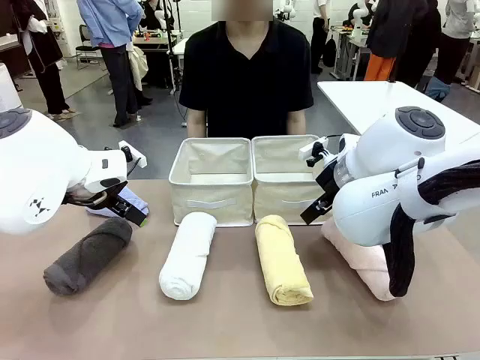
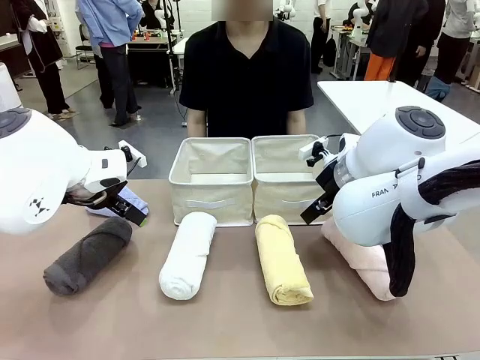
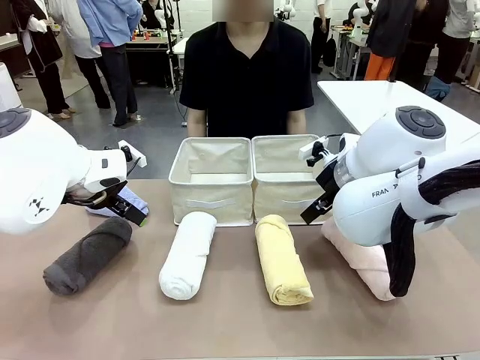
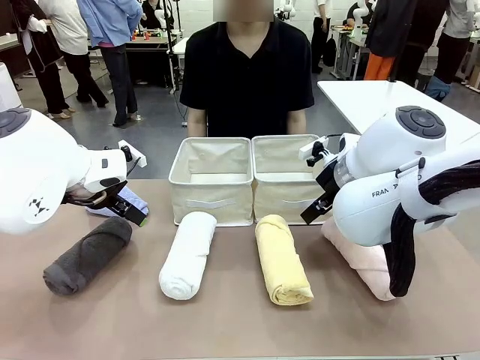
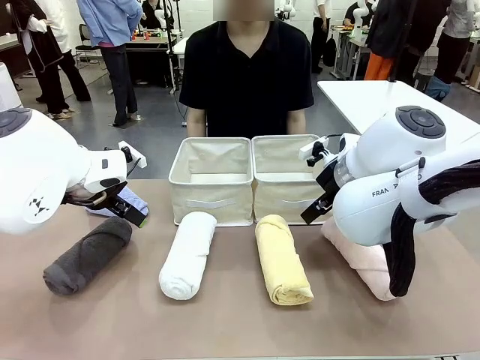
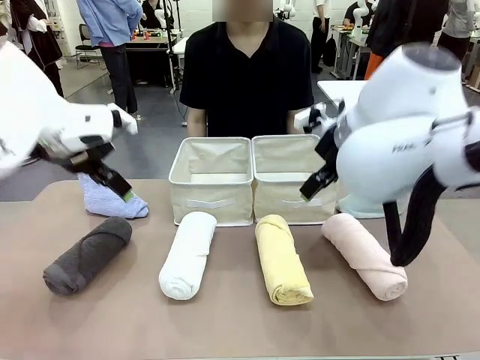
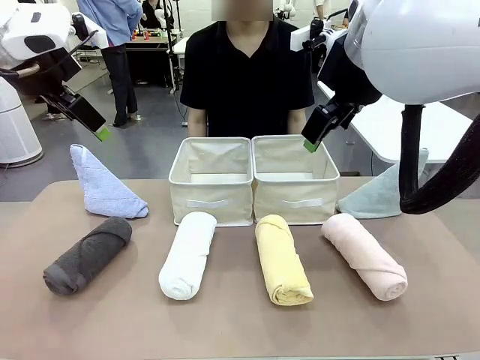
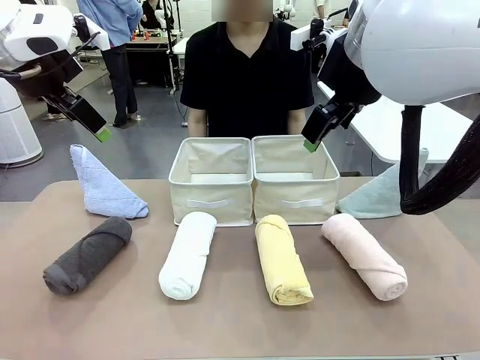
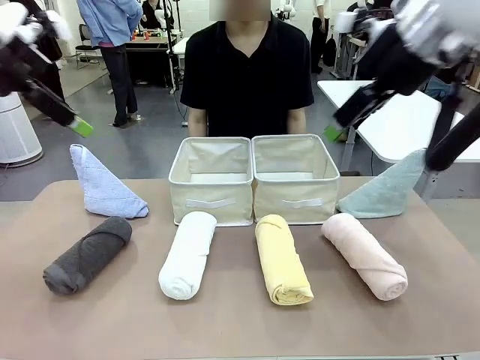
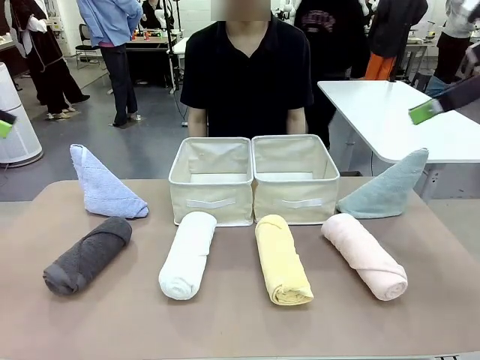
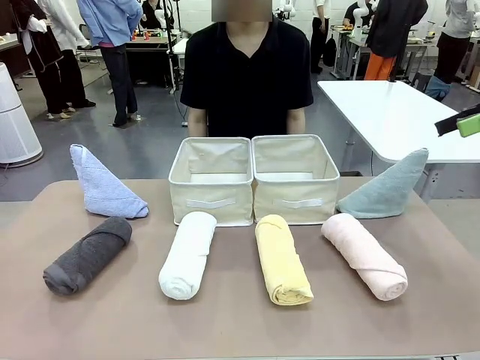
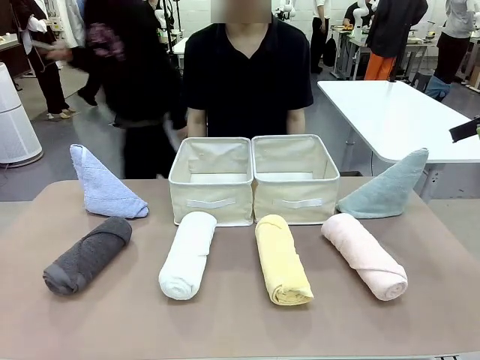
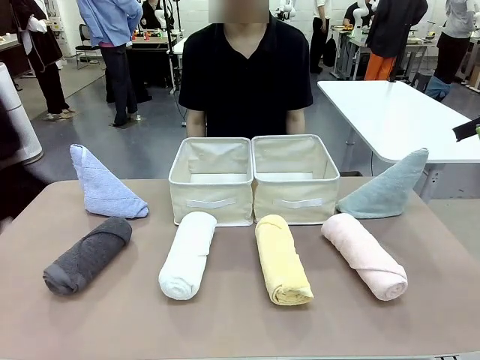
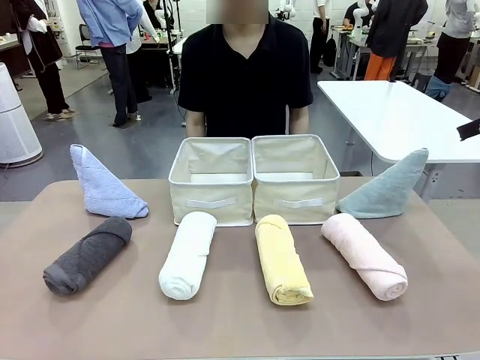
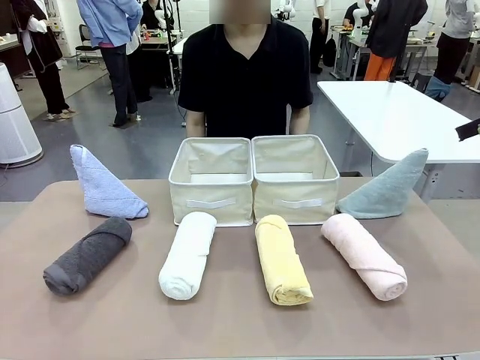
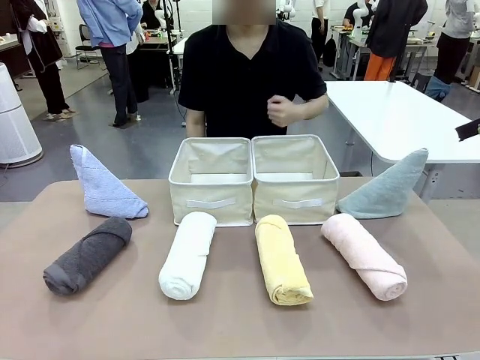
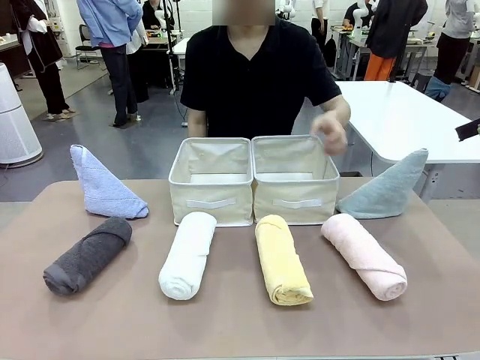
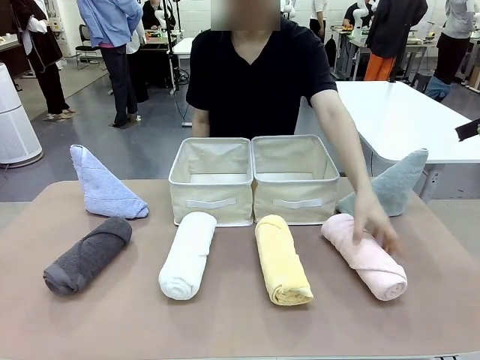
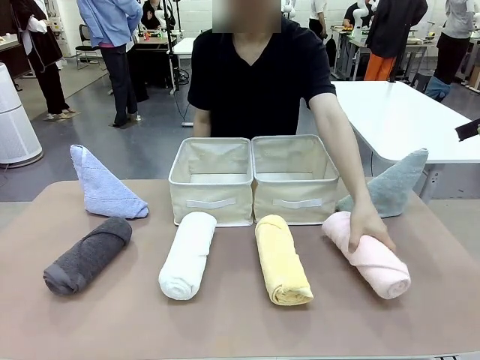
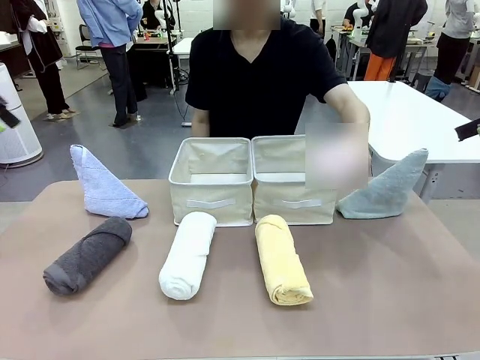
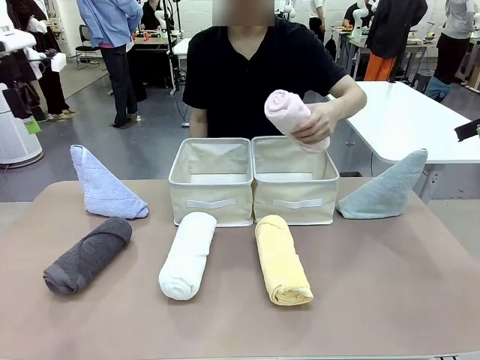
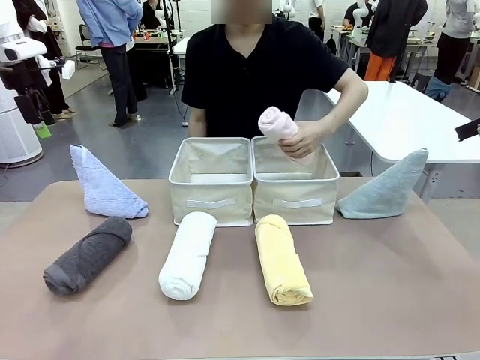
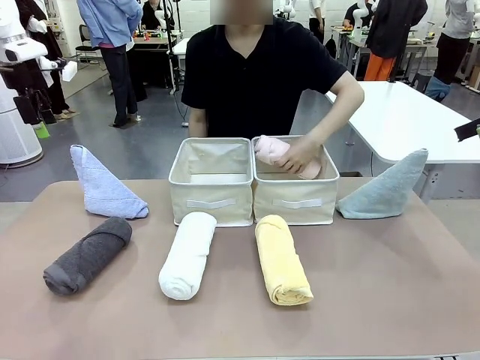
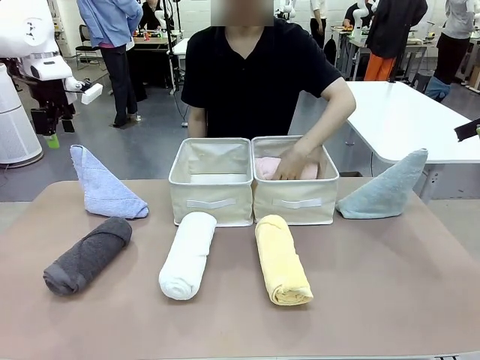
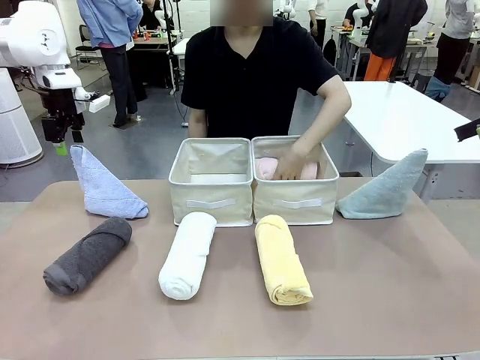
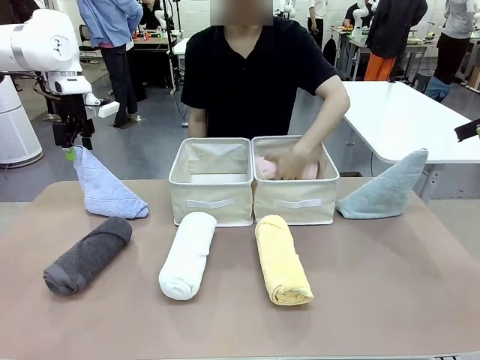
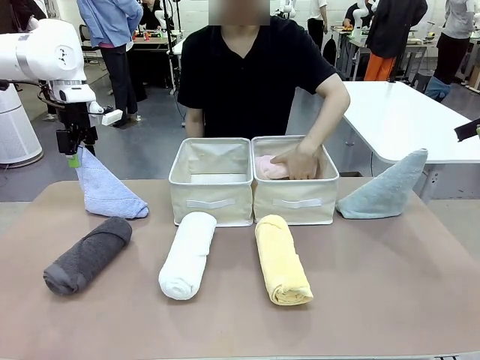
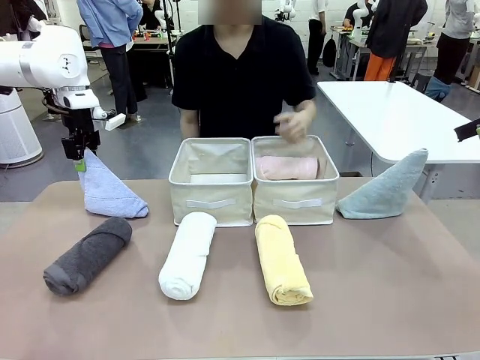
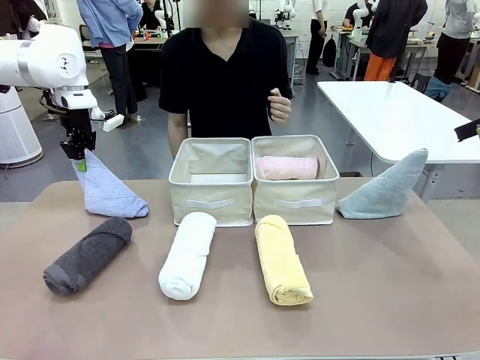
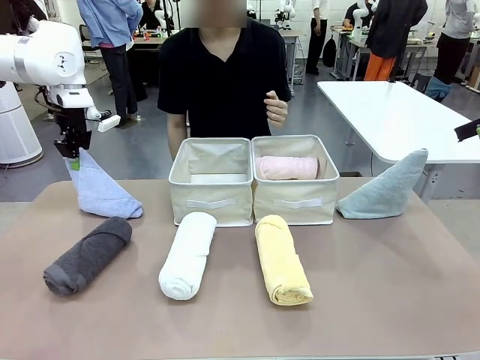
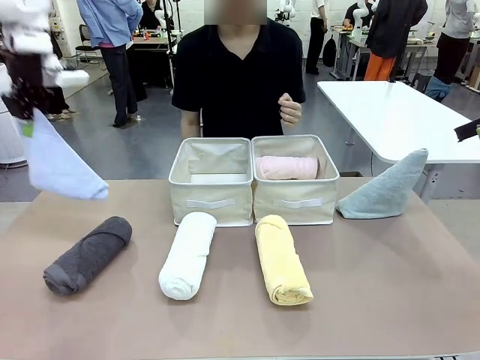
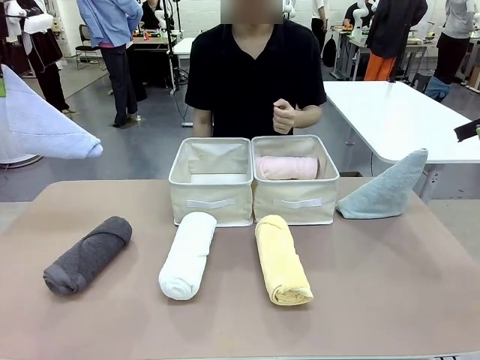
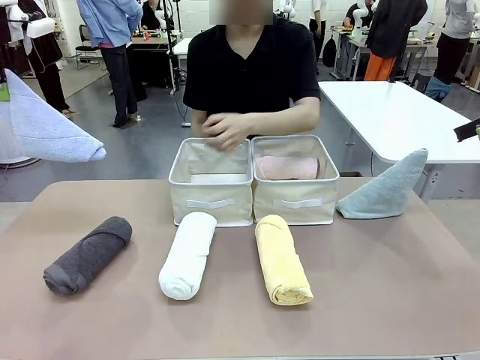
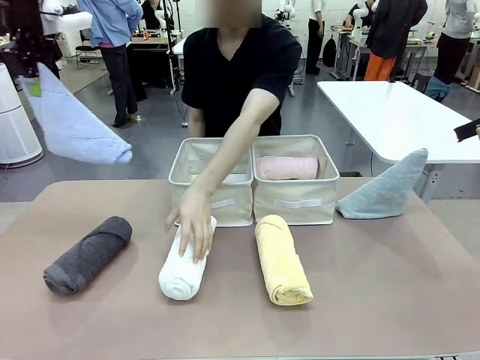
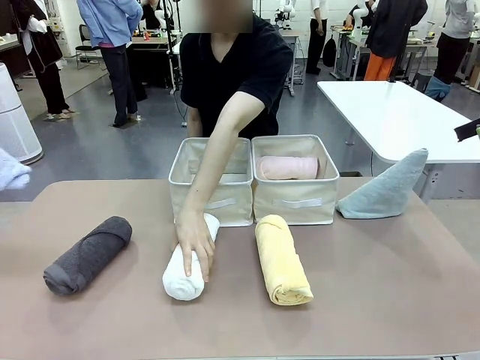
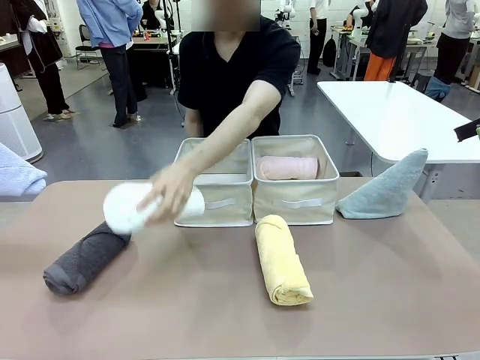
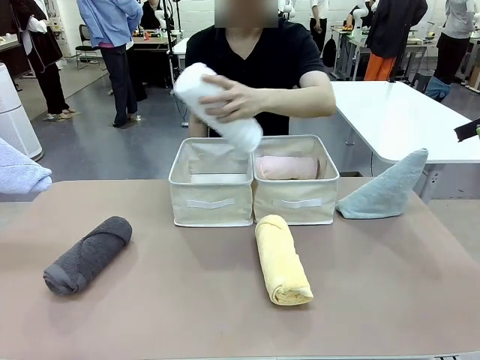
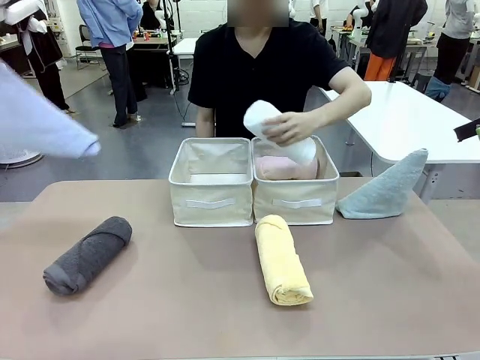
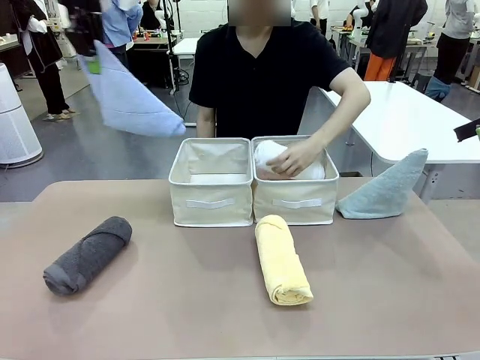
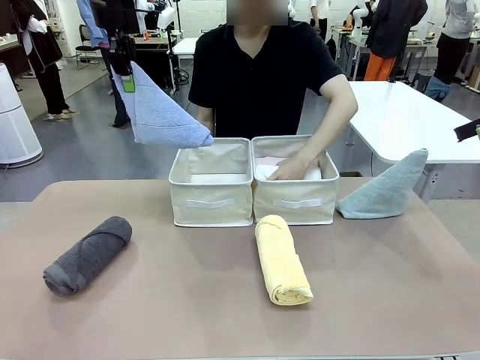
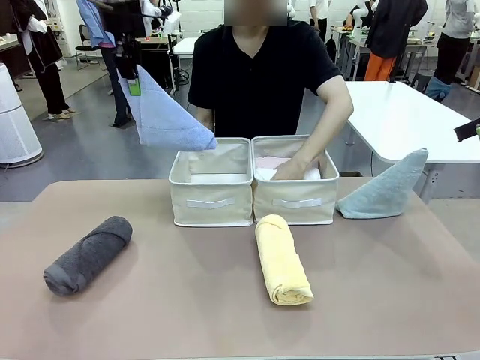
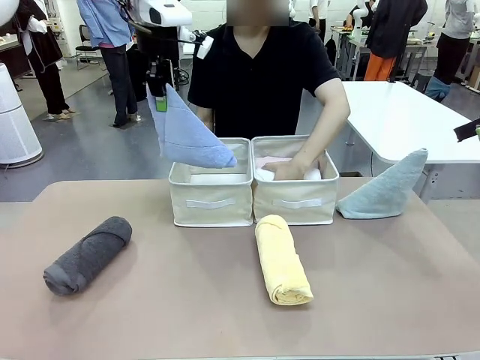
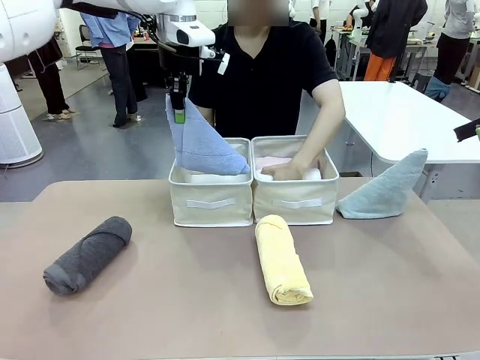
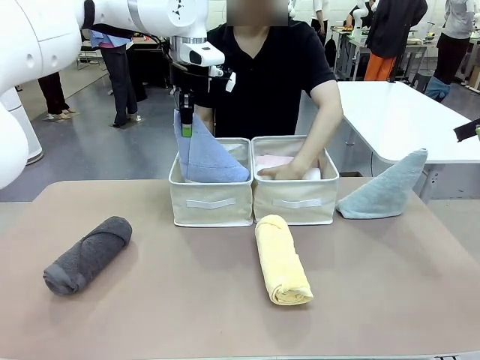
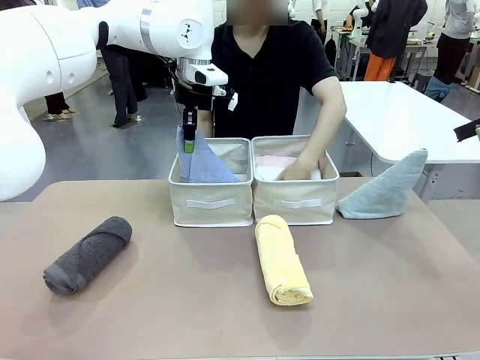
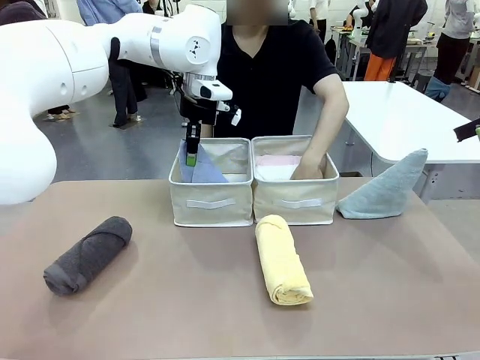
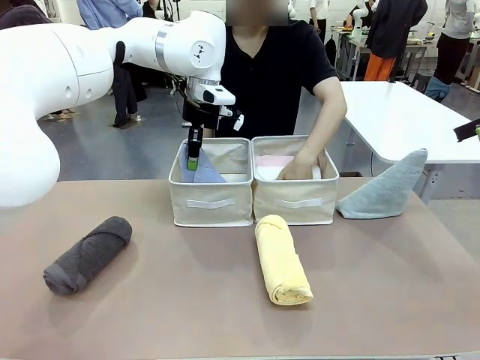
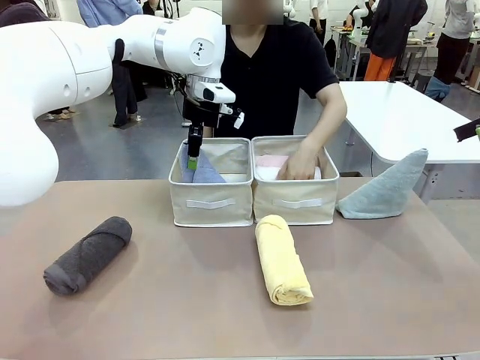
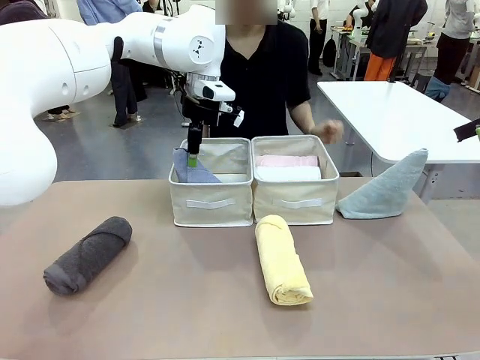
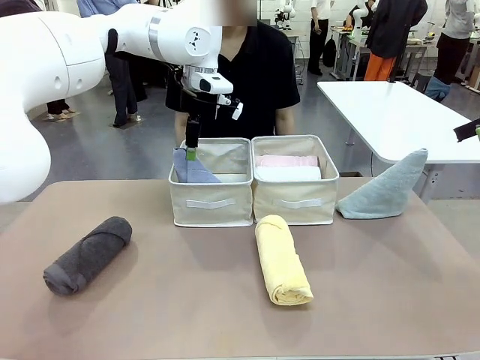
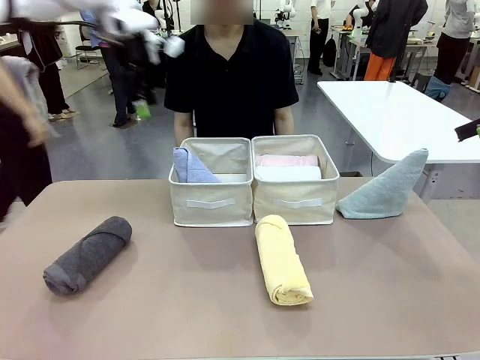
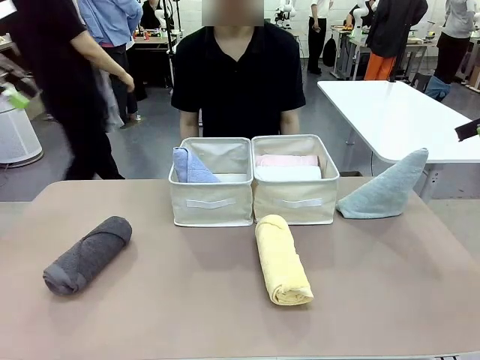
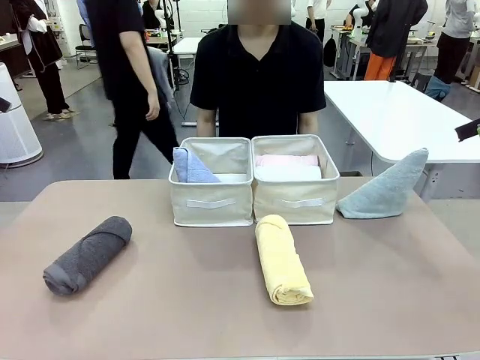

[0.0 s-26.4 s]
Task: Sort the towels based on their folding style.
Robot: Pick up one triangle-folded towel and place it in the left Fabric basket.
Person: Pick up one hotel-style rolled towel and place it in the left fabric basket.
